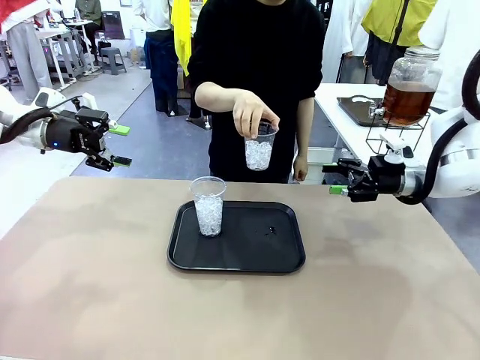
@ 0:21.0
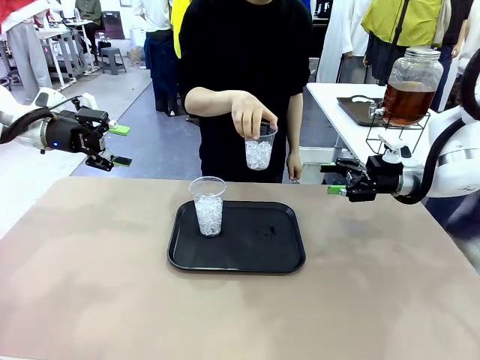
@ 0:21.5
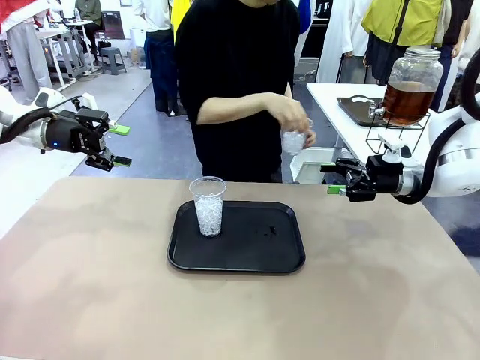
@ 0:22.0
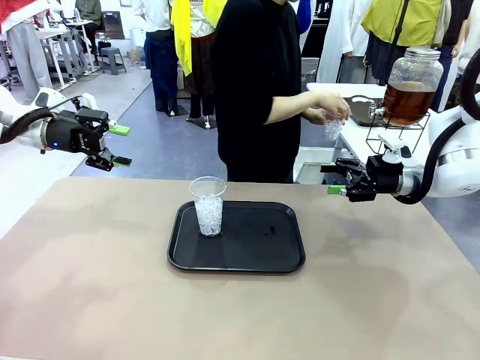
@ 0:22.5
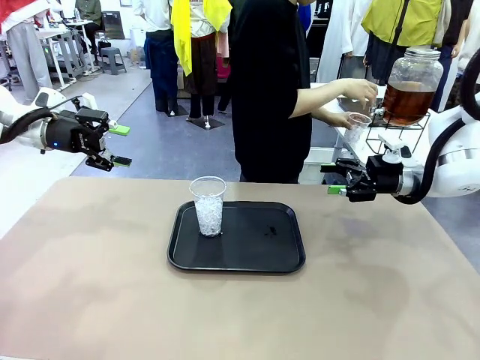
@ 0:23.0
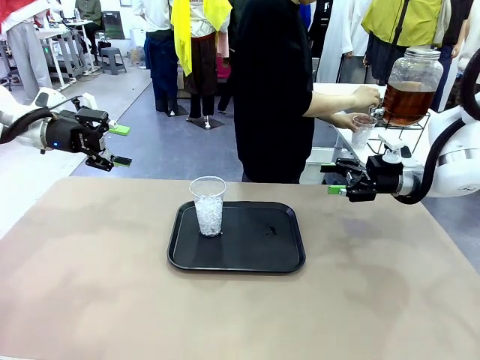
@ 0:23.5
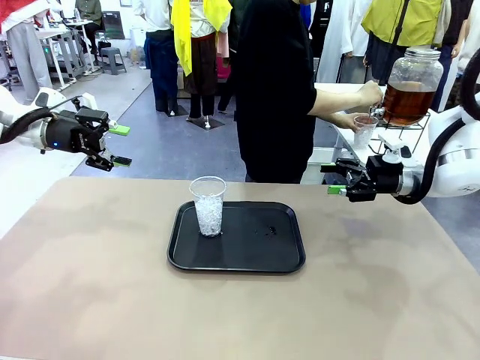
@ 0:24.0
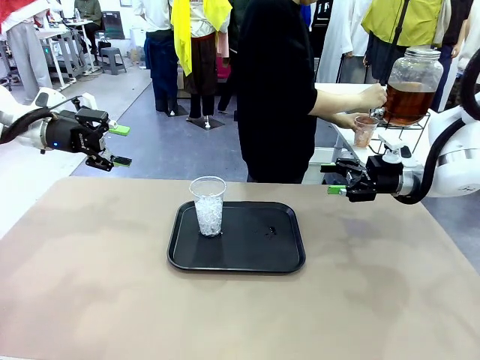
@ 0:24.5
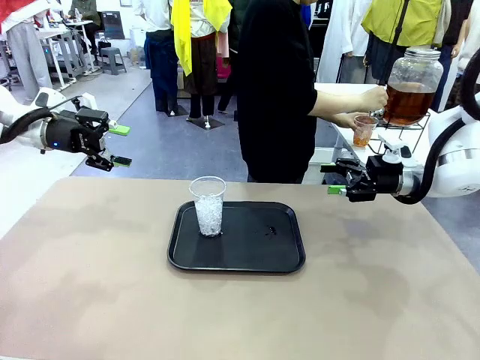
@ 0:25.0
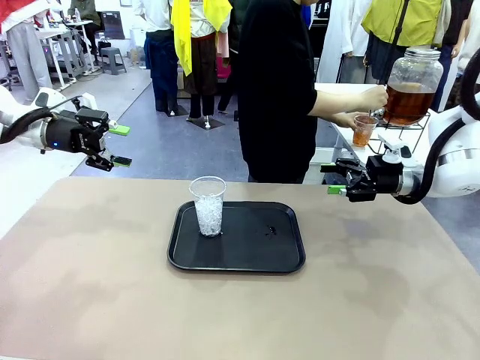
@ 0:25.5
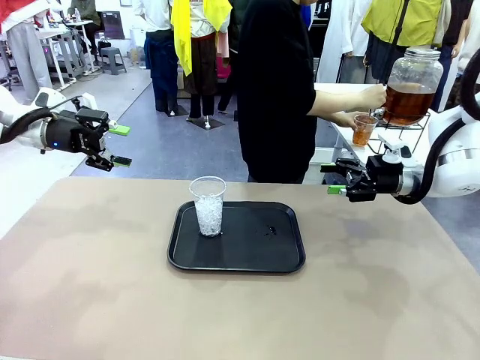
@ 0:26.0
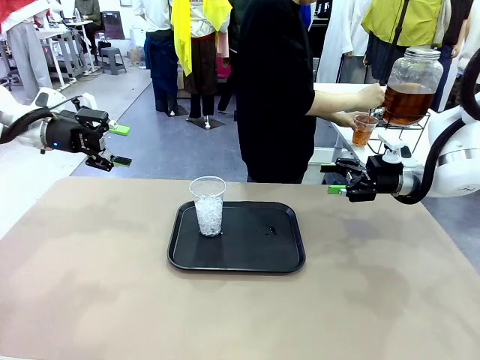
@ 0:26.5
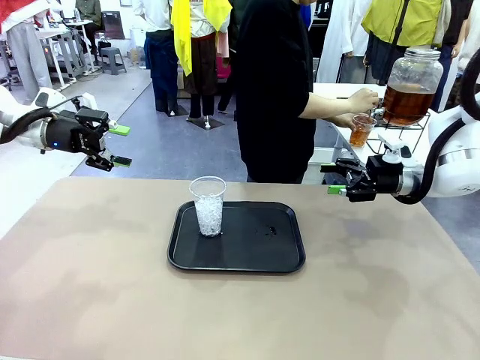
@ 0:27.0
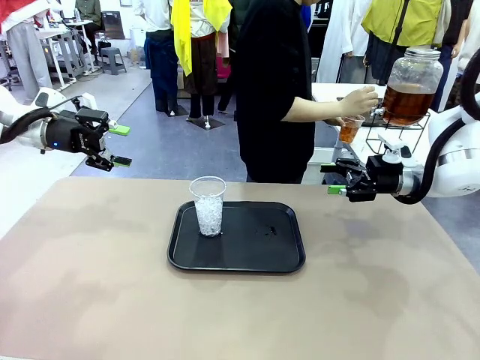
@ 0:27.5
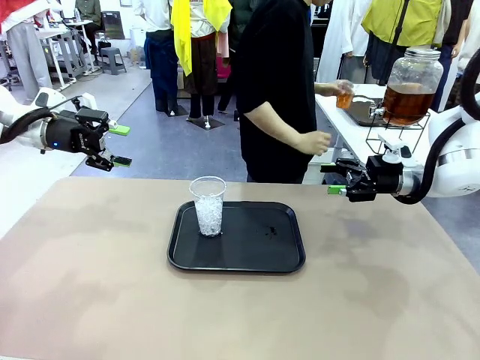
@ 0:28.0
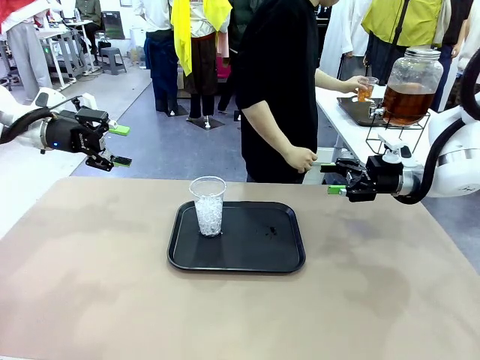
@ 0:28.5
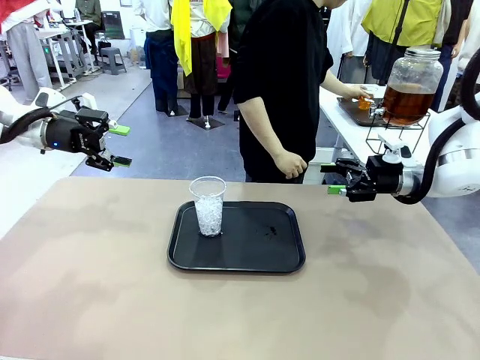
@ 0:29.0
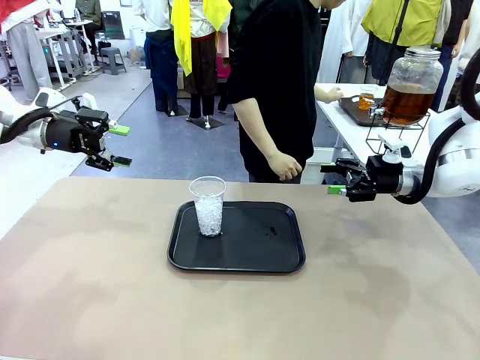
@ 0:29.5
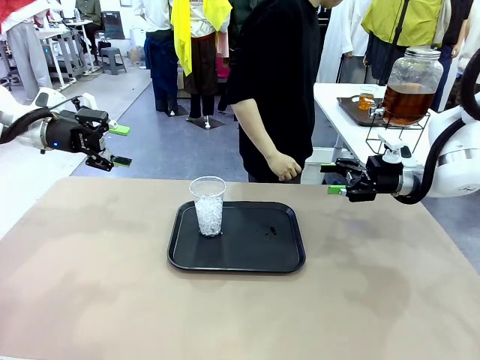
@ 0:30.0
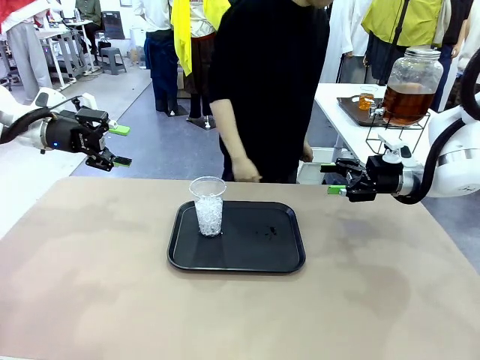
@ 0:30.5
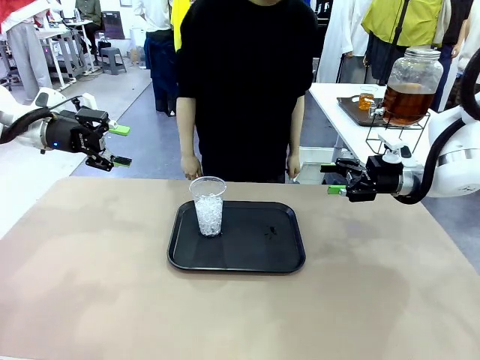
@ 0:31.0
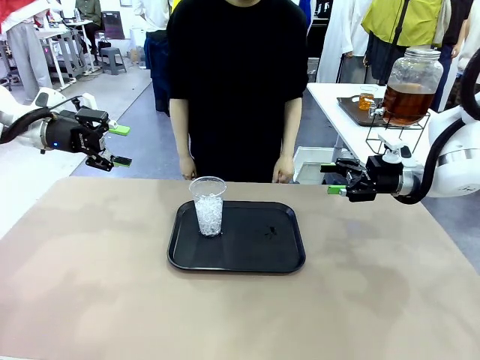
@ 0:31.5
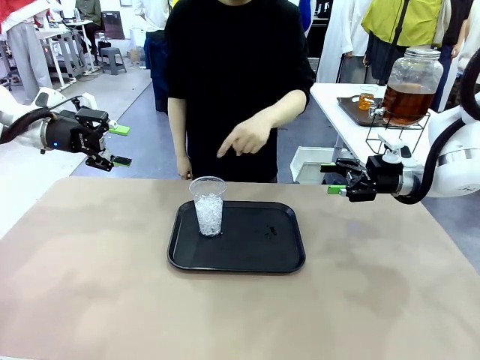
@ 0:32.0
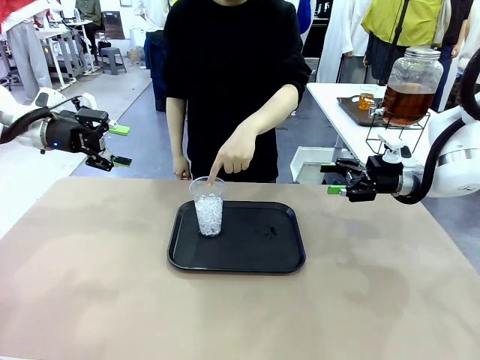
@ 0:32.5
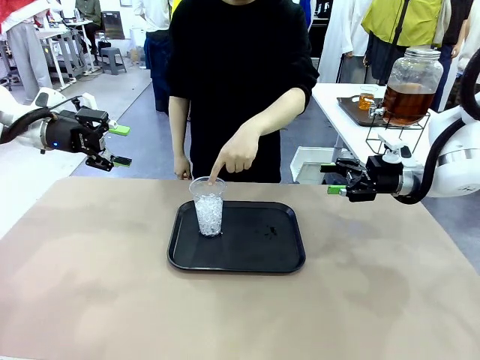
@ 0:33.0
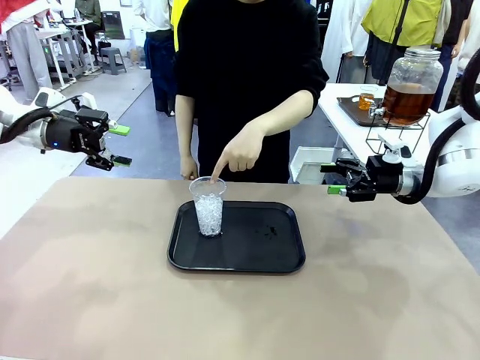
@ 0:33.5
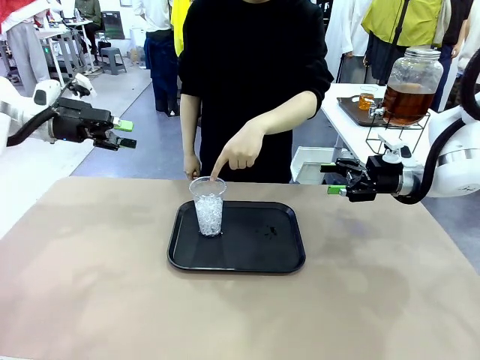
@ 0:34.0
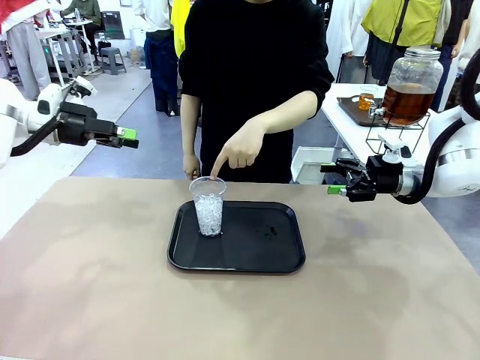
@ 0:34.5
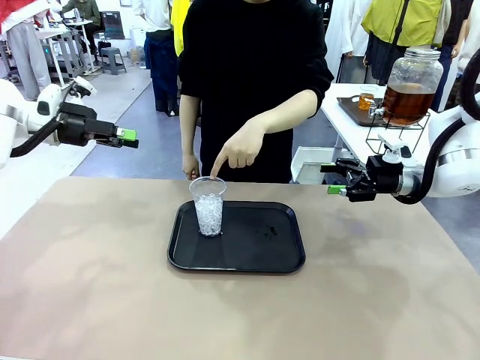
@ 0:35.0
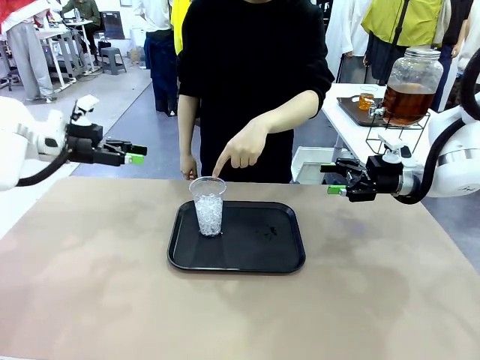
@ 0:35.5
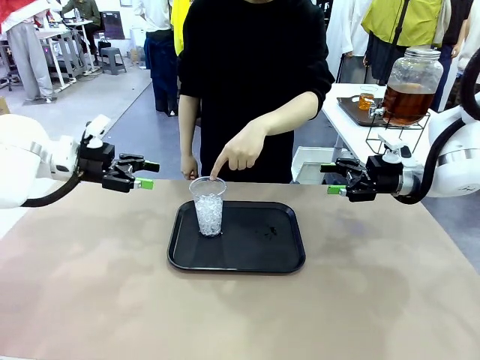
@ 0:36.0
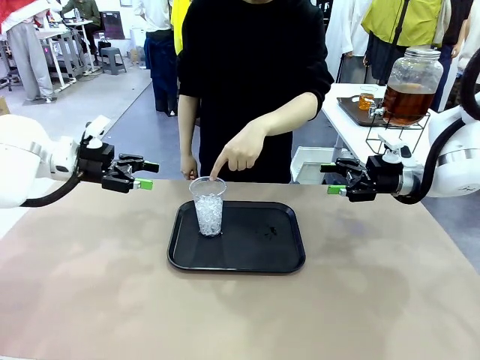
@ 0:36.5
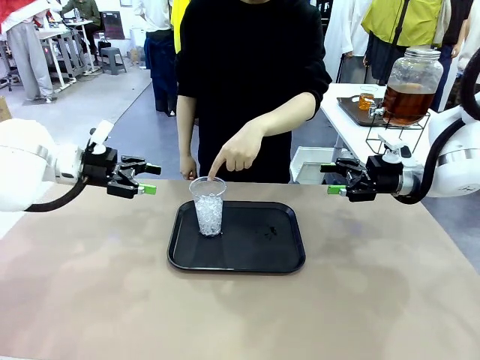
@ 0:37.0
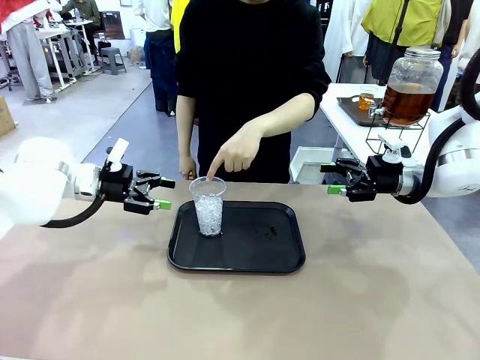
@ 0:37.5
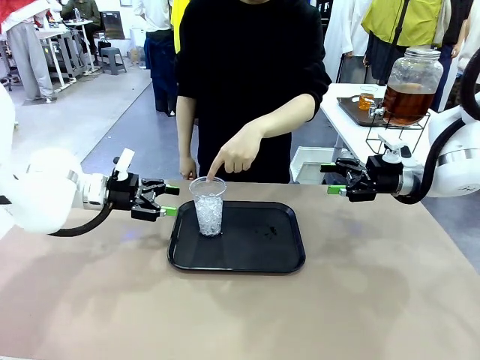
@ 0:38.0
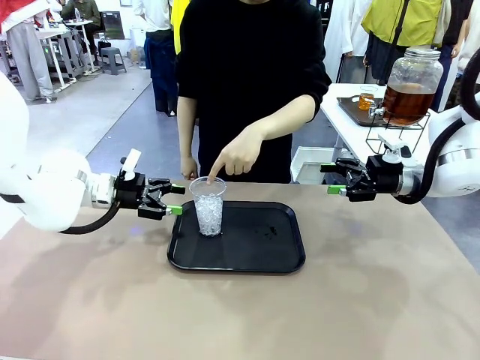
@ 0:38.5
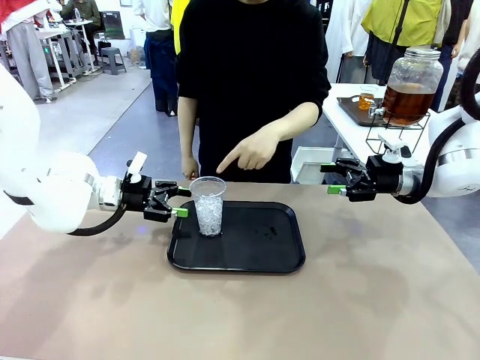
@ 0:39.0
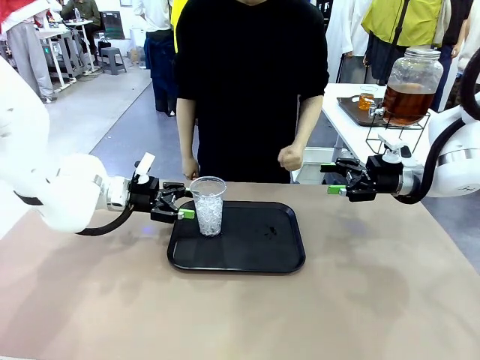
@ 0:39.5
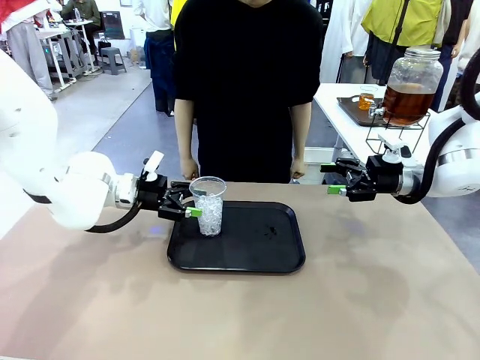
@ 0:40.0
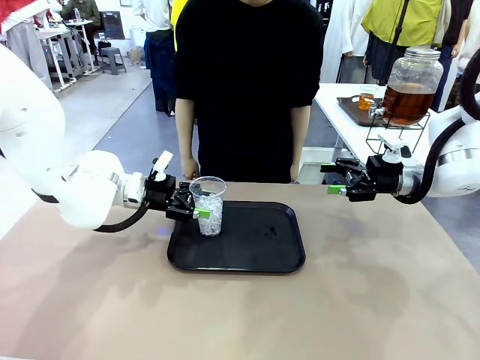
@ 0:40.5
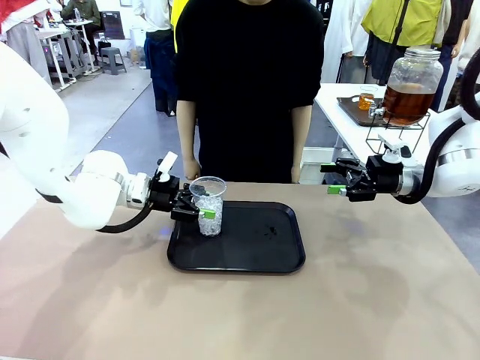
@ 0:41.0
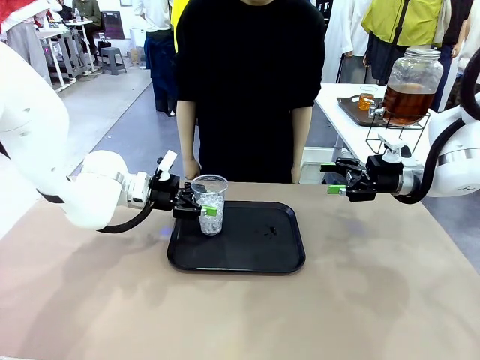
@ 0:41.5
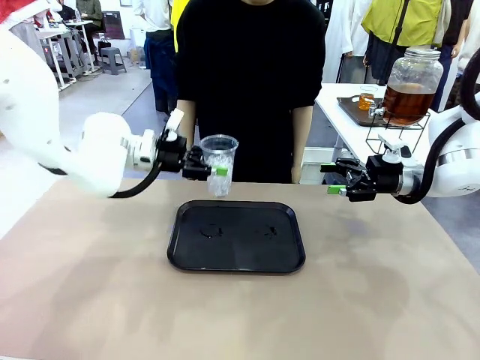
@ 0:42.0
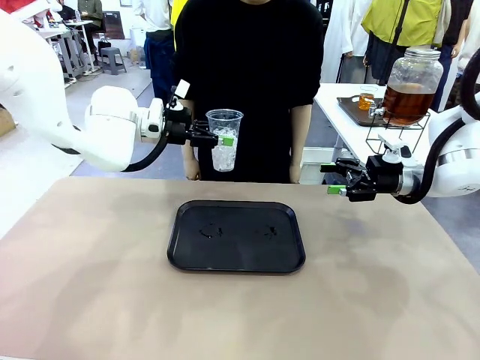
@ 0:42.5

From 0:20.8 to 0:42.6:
Task: Pour the drink into the iced cup.
Robot: Pick up the iced cup indicated by the human and present it to them.
Person: Move the picked-up cup under the dispenser faucet, pour the drink, and place it on the tray on the human table. Point to the remaining ice cup on the robot table. Pick up the cup offered by the robot.
